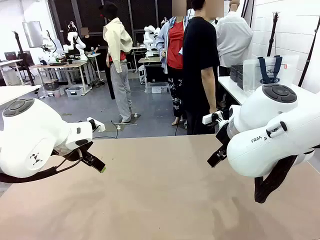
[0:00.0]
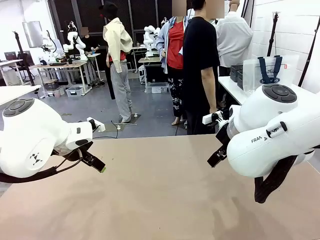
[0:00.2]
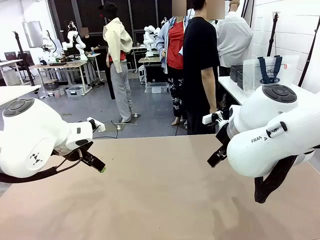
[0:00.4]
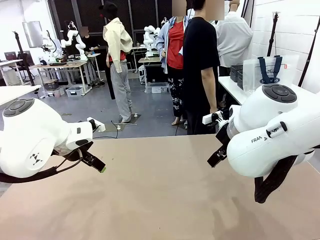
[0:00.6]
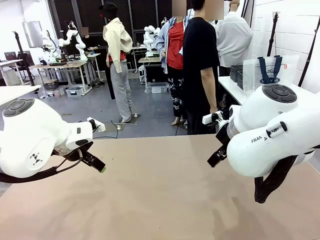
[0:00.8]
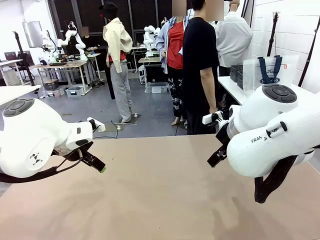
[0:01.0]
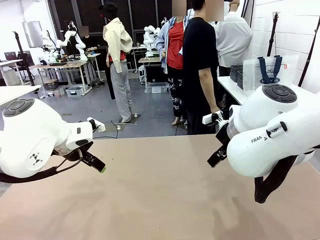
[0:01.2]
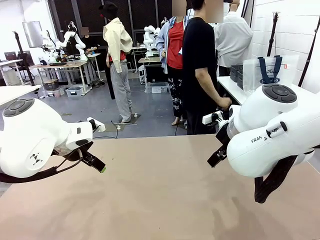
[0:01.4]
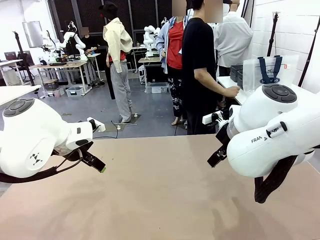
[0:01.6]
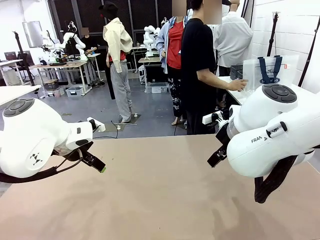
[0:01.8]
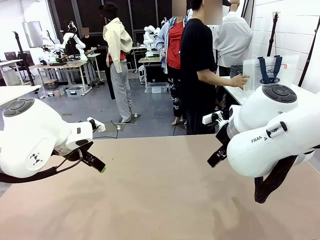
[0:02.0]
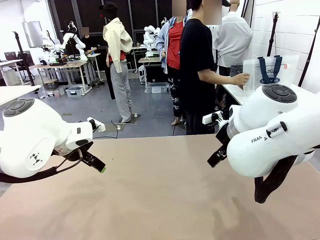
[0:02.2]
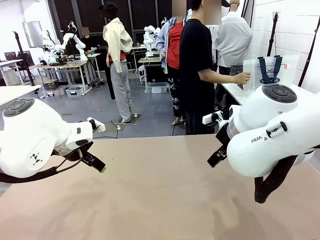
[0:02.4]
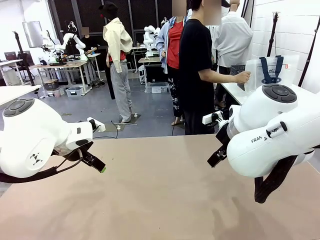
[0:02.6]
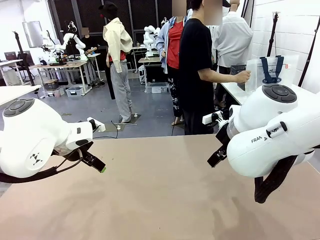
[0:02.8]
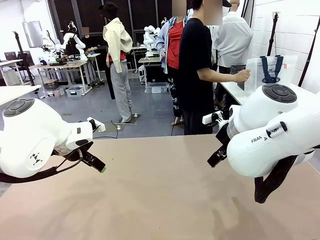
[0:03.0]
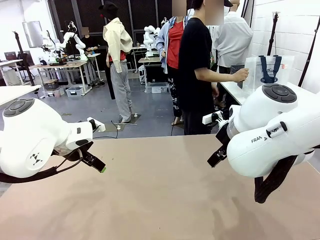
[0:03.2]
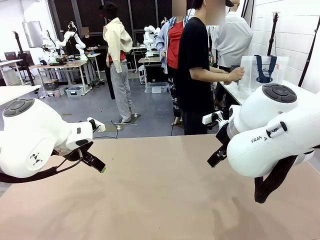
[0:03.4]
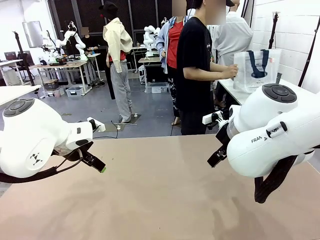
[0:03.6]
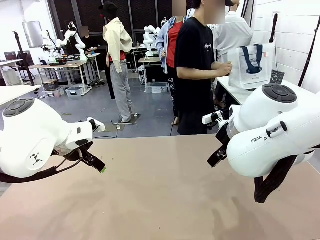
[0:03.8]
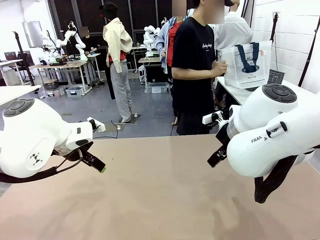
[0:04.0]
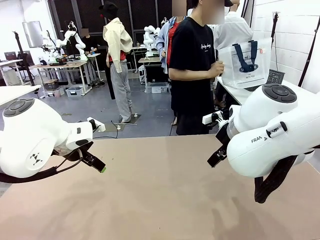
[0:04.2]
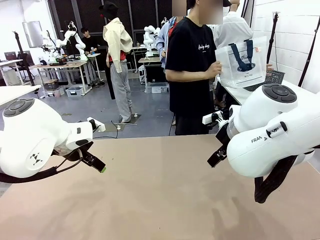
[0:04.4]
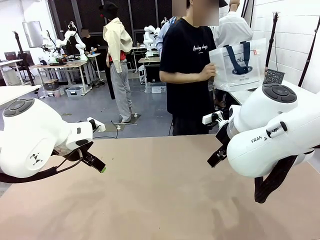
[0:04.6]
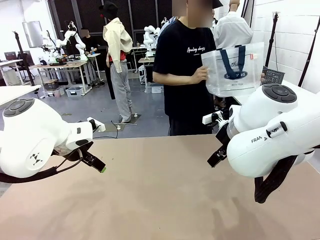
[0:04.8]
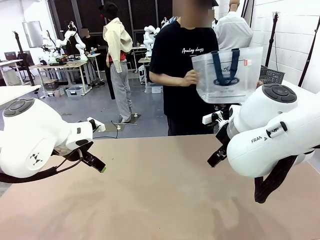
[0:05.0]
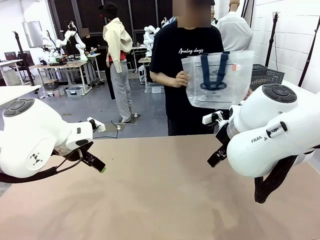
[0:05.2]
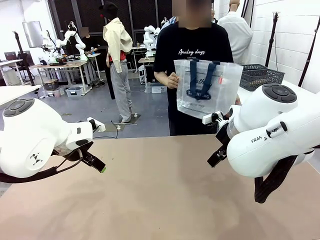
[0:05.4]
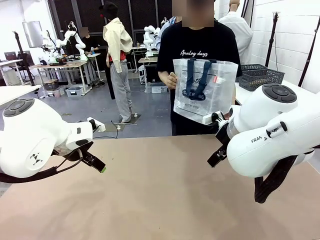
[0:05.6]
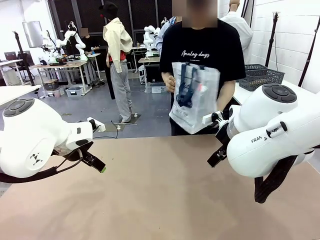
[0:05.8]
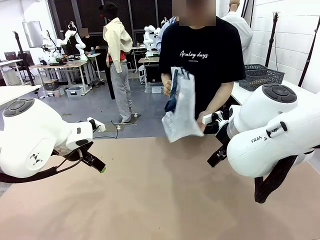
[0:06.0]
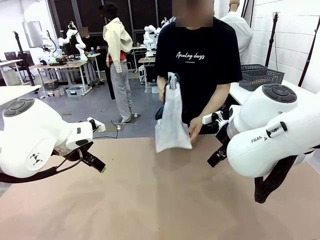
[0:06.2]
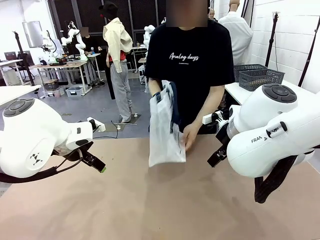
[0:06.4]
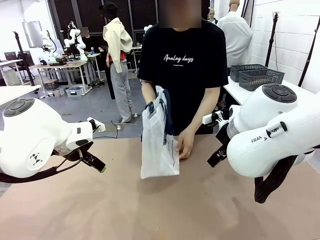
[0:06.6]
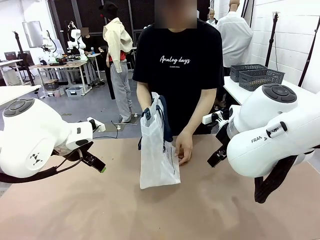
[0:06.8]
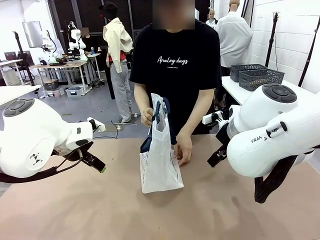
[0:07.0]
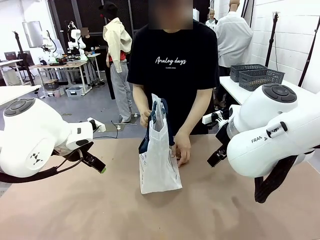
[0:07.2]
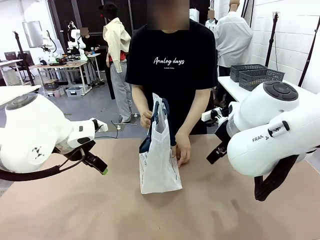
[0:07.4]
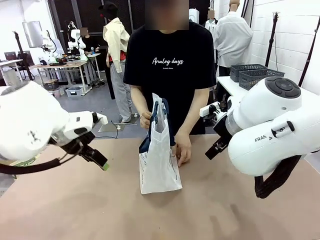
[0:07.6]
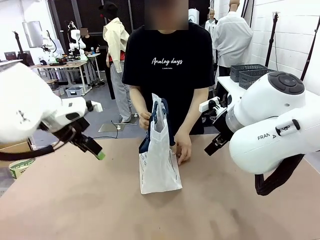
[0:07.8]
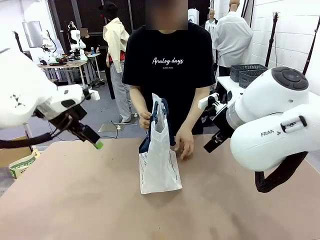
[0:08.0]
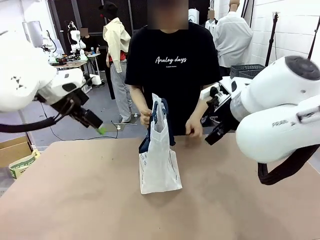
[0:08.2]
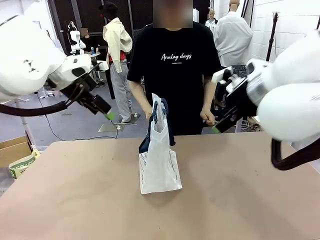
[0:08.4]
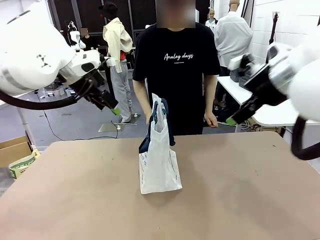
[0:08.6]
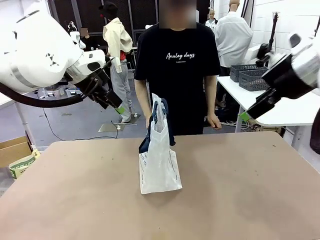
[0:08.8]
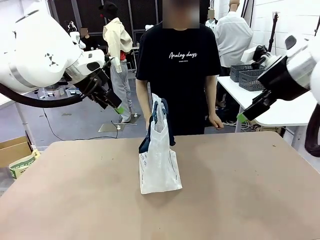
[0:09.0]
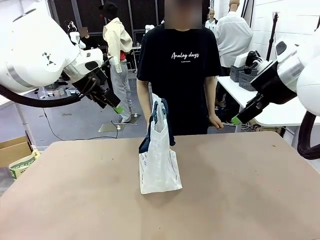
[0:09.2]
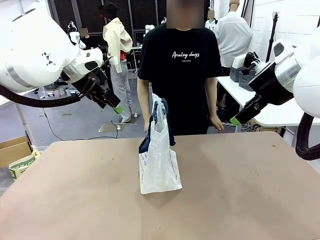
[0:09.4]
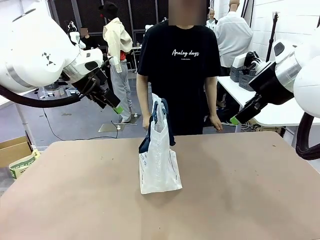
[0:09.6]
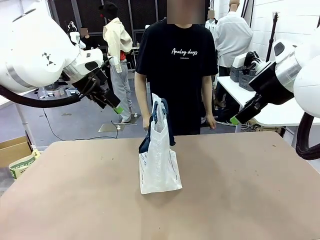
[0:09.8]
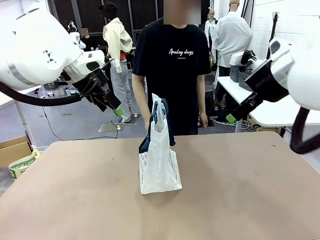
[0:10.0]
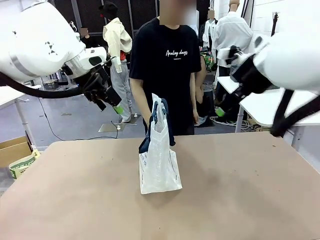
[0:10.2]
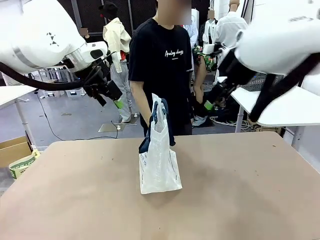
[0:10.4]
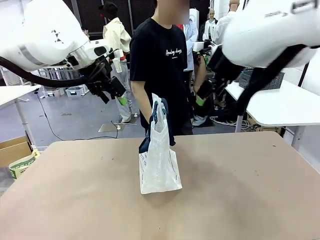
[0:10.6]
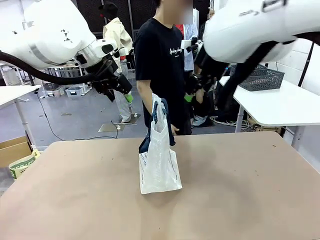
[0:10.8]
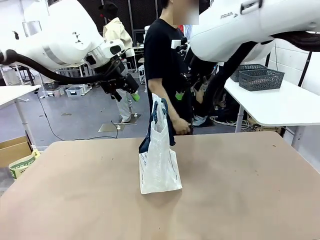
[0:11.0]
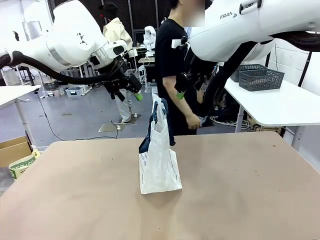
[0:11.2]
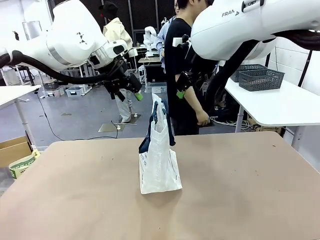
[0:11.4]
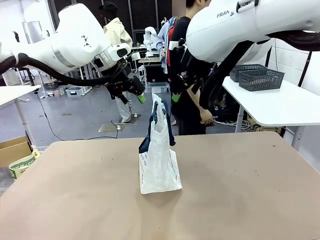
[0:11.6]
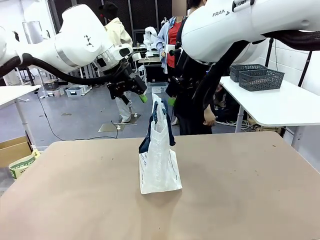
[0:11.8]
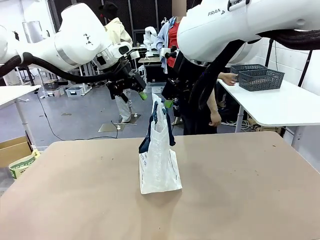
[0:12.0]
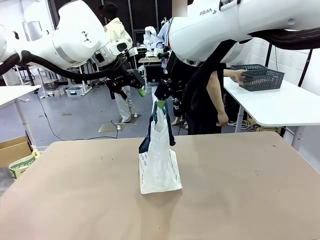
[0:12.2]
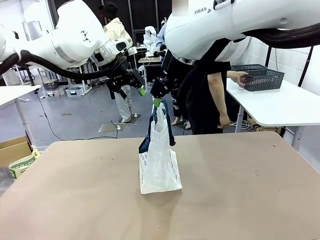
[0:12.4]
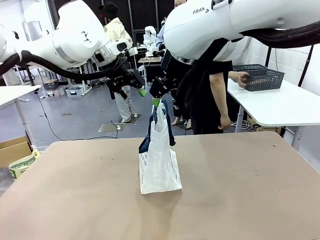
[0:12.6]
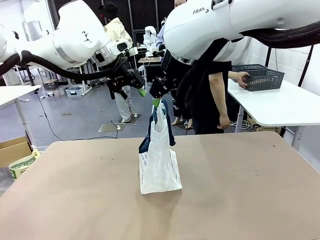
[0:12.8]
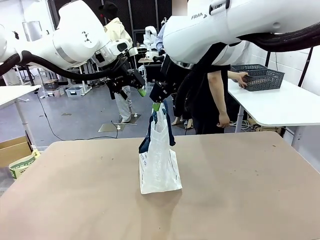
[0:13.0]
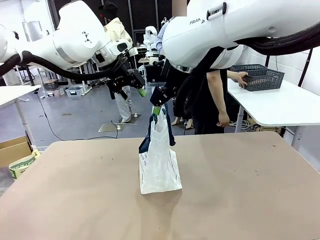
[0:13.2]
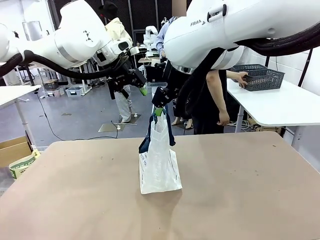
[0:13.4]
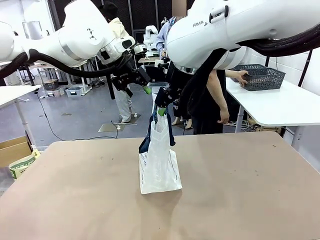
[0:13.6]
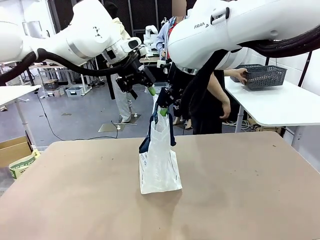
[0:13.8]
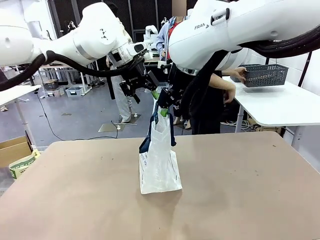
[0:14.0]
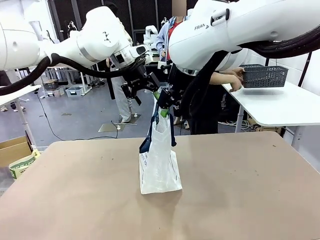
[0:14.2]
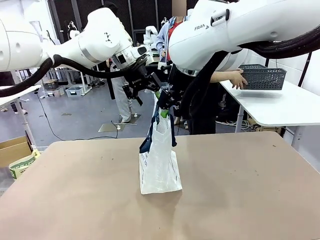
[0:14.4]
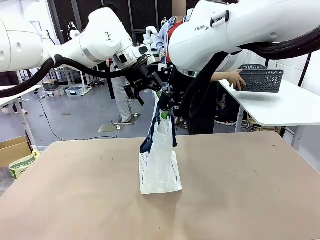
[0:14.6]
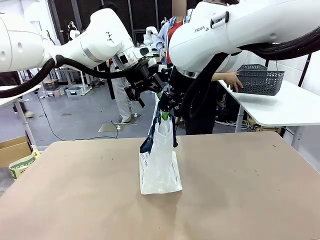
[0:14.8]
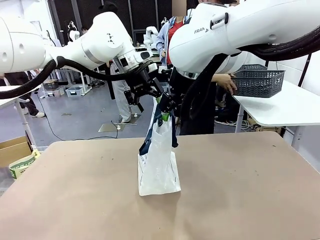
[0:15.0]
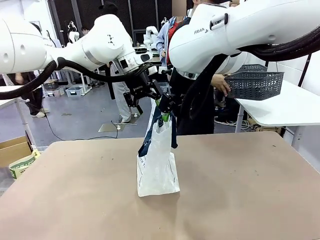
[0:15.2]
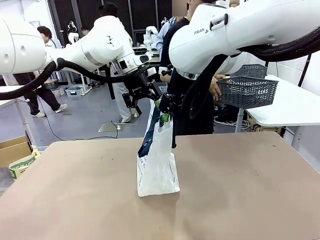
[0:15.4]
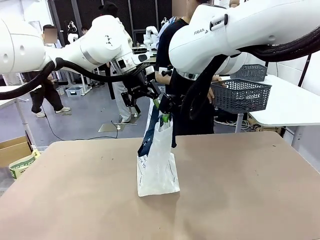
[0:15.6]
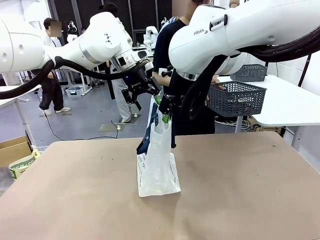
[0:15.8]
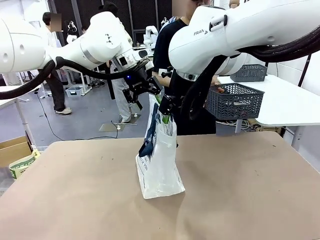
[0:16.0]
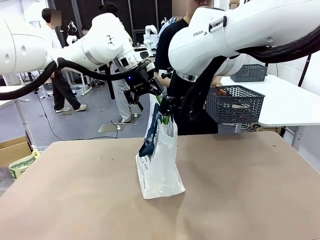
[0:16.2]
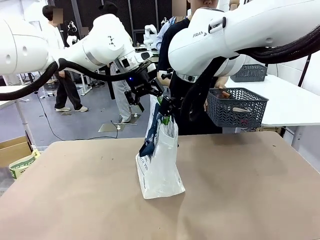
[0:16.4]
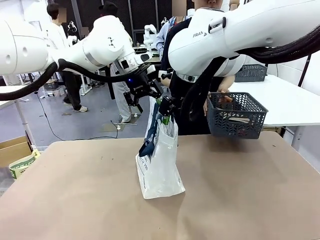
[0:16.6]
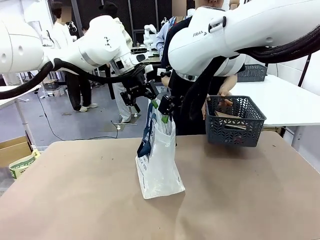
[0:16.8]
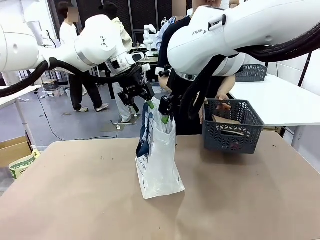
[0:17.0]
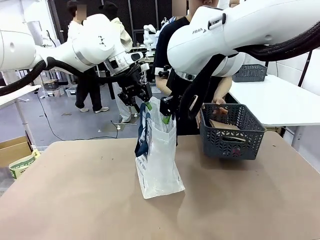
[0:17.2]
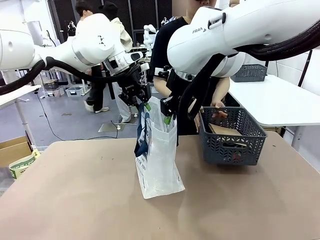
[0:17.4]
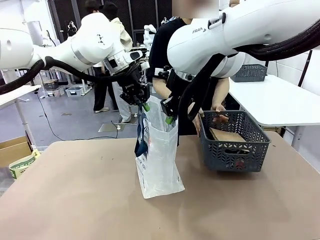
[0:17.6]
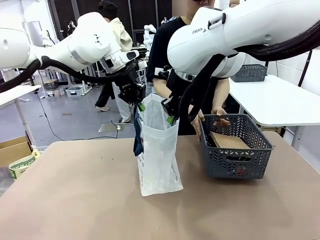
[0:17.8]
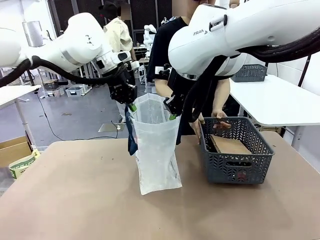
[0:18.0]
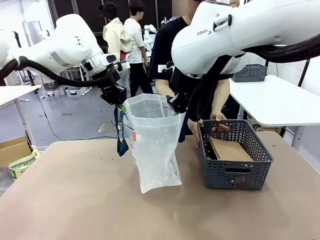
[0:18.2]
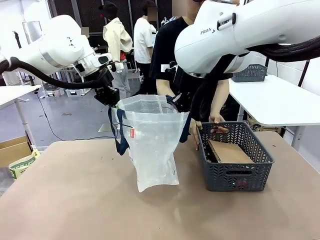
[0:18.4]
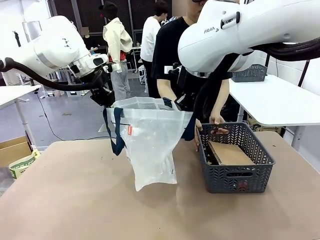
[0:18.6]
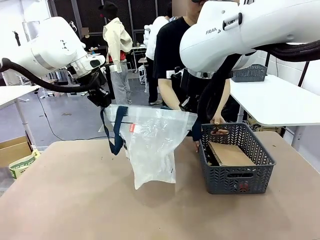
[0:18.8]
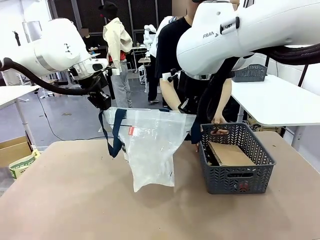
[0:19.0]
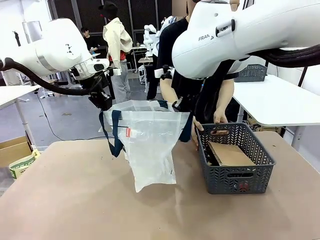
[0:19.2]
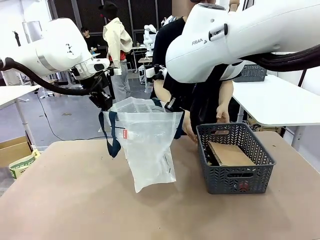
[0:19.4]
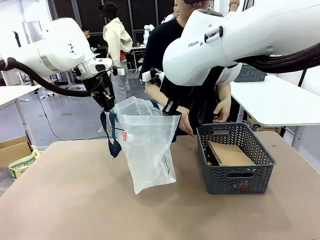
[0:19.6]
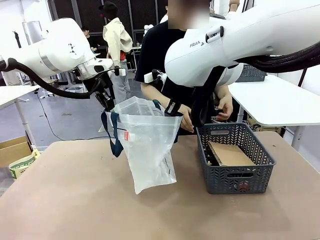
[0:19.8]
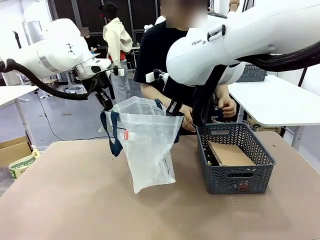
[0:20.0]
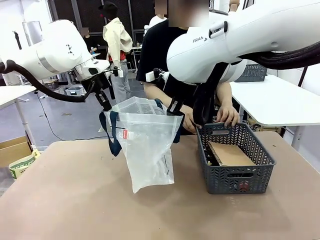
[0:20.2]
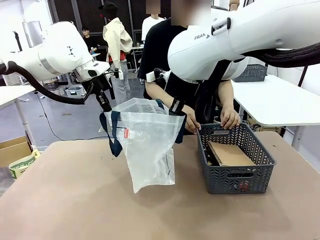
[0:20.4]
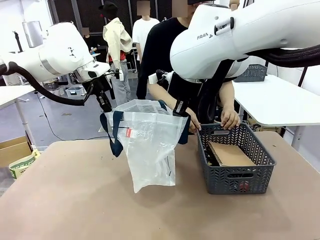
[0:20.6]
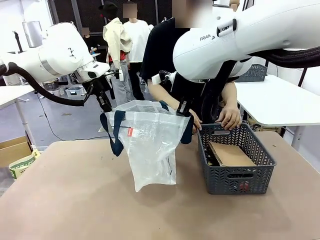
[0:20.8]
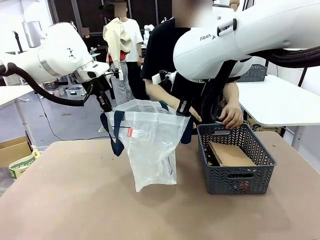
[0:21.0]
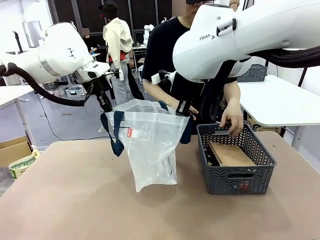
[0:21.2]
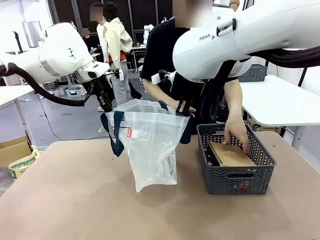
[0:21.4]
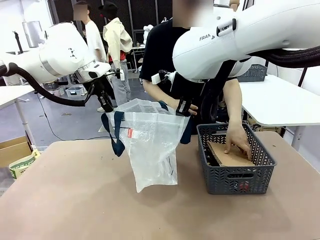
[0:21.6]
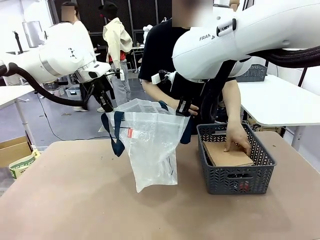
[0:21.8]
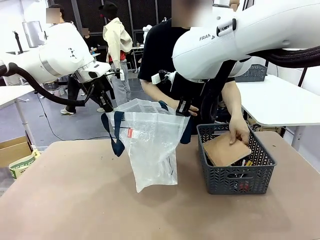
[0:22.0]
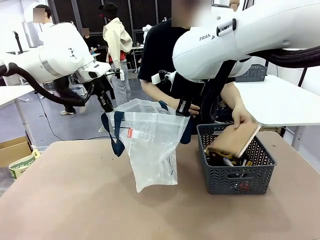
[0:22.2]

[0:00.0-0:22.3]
Task: Transfer purchased items from the store into the shopping bag.
Robot: Open the Reusable shopping bag in the center of the table.
Person: Pick up the shopping bag and place it in the middle of the robot table.
